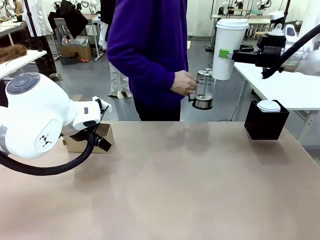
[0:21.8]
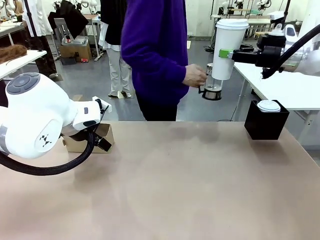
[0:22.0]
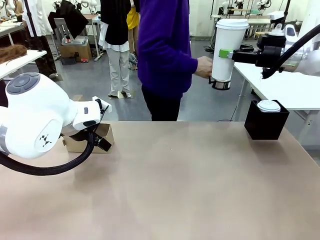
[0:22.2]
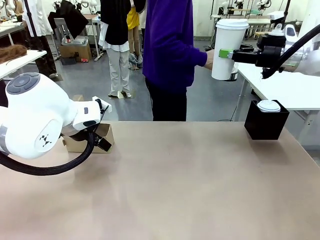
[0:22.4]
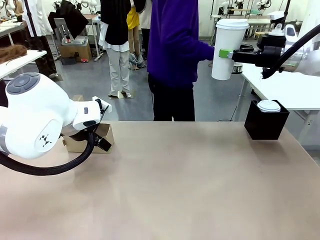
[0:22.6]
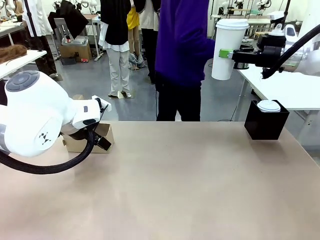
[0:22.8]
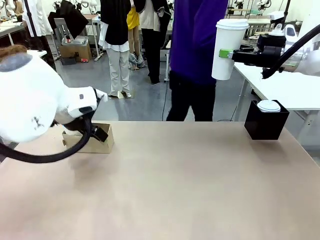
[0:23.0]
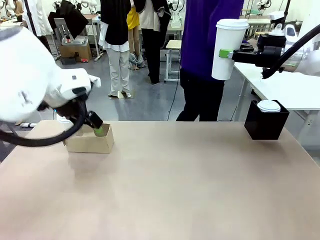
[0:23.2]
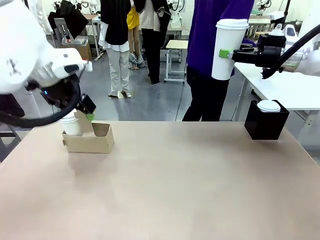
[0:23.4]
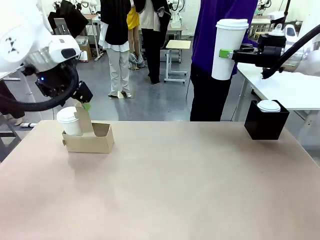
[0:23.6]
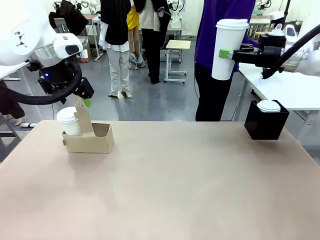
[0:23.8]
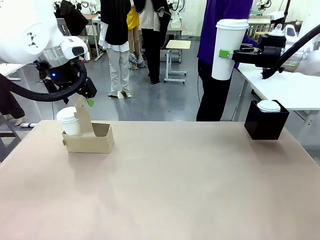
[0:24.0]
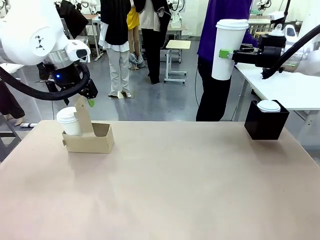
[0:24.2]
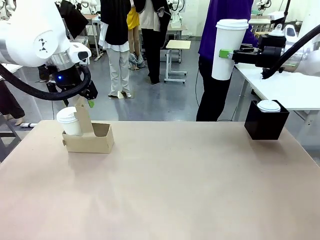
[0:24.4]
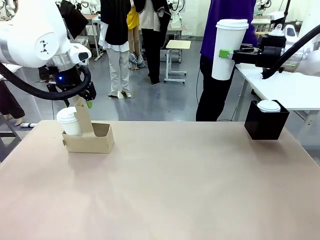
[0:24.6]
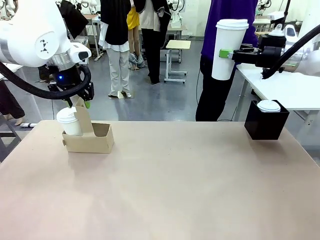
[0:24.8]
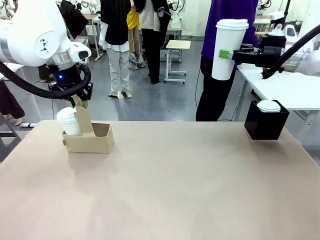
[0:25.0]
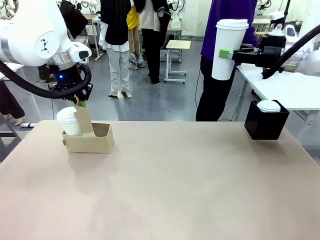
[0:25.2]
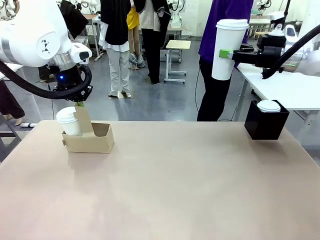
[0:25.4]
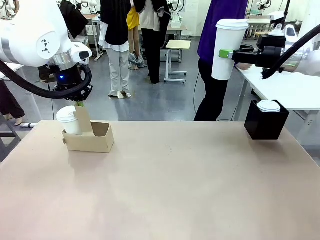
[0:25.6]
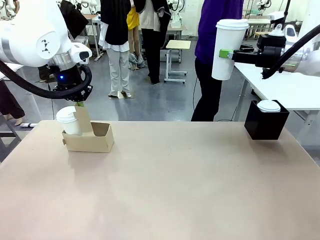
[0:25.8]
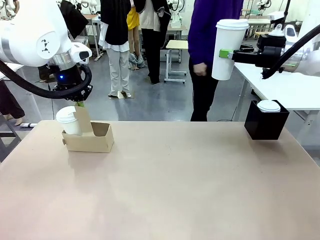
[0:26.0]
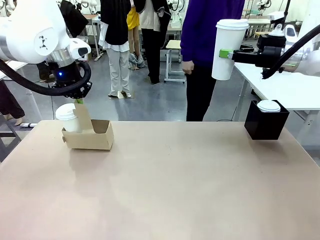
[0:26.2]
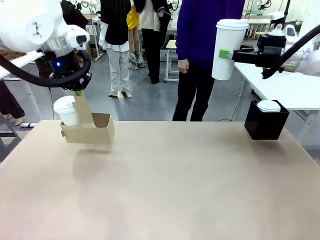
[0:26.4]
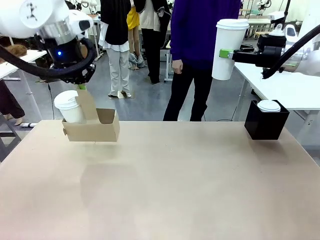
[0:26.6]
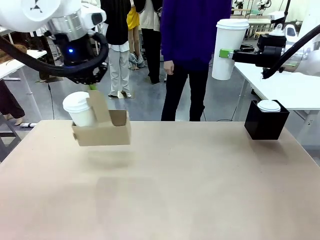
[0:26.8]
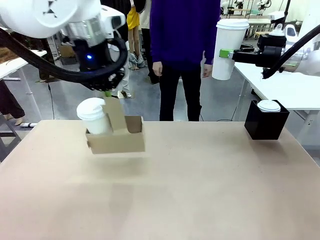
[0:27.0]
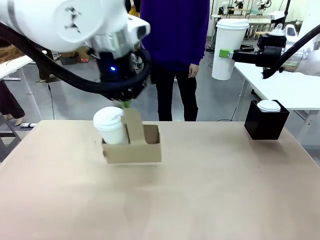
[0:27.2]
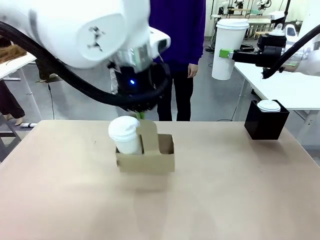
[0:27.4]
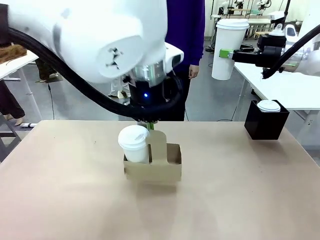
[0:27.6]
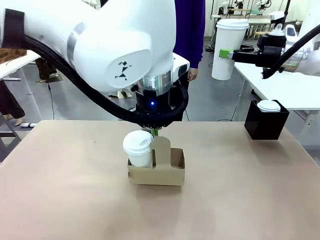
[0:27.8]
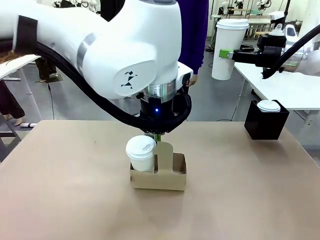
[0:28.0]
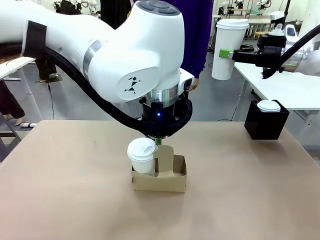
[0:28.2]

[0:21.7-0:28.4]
Task: Pour a drink into a cup and package it in a carrier.
Robot: Position the Cup Carrier in the center of the table.
Person: Pick up the Filter Brewing and place on the middle of Human table, and return to the Robot table.

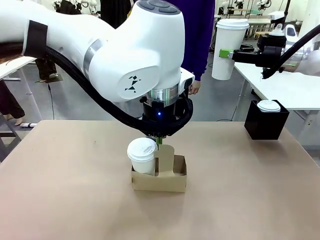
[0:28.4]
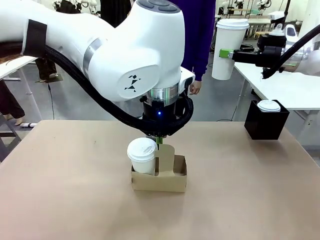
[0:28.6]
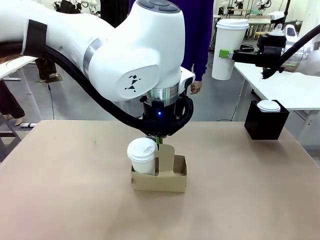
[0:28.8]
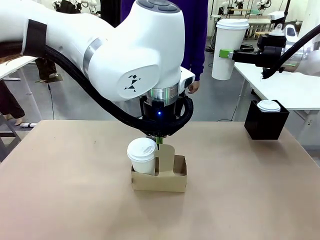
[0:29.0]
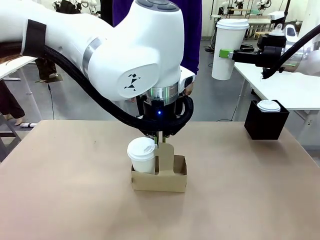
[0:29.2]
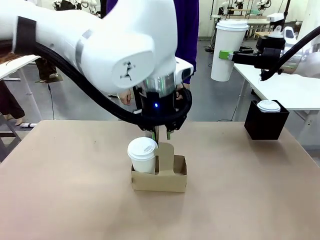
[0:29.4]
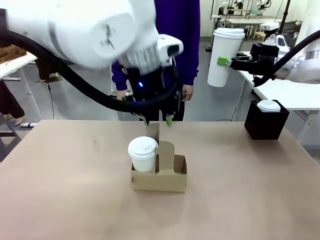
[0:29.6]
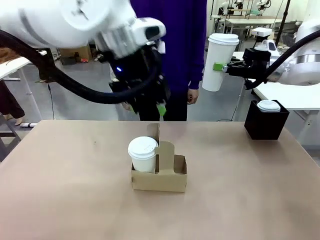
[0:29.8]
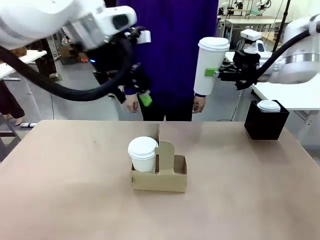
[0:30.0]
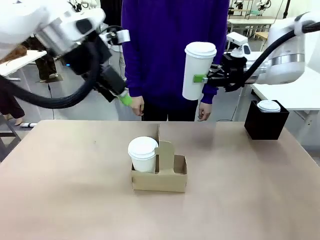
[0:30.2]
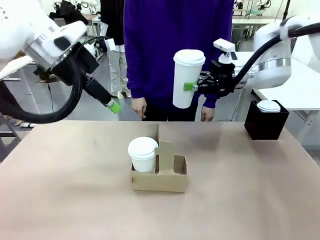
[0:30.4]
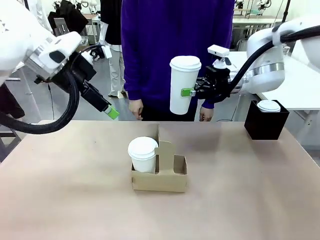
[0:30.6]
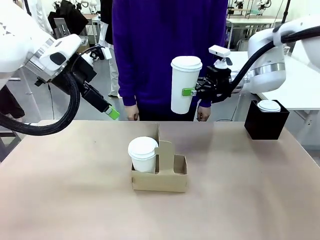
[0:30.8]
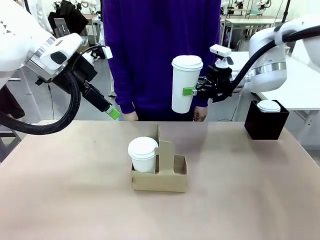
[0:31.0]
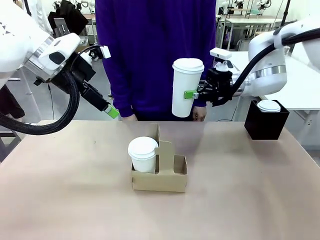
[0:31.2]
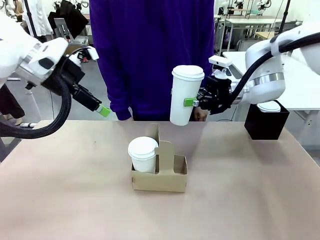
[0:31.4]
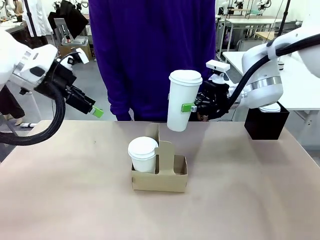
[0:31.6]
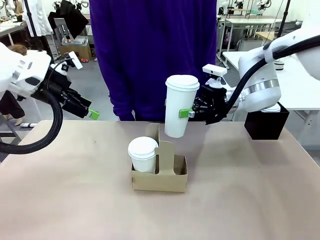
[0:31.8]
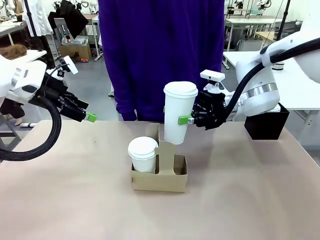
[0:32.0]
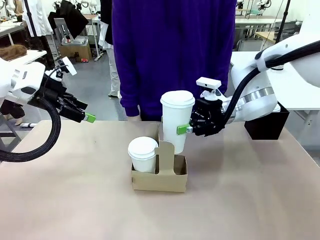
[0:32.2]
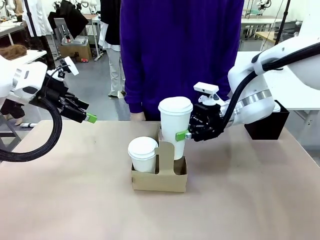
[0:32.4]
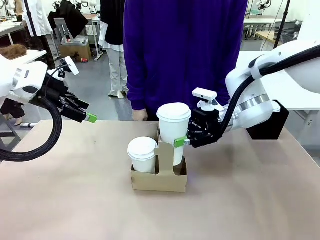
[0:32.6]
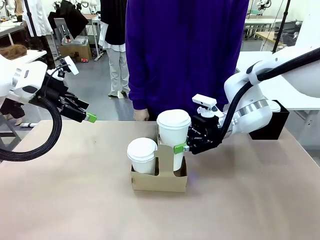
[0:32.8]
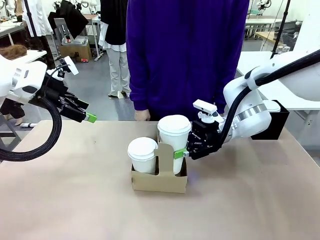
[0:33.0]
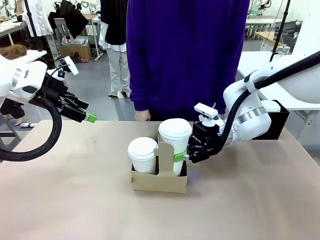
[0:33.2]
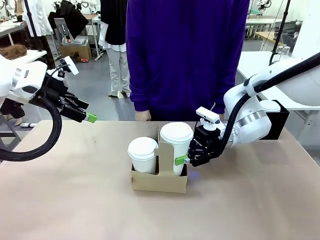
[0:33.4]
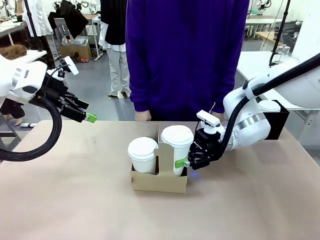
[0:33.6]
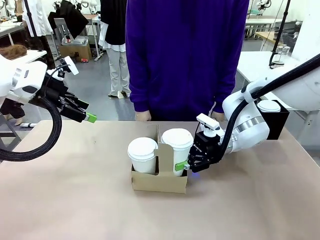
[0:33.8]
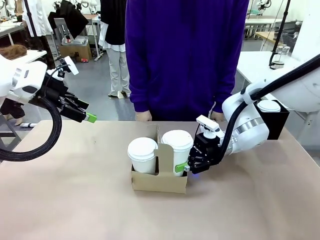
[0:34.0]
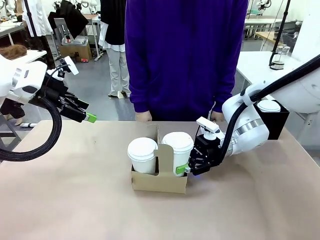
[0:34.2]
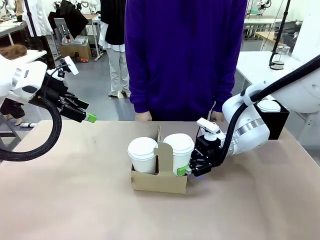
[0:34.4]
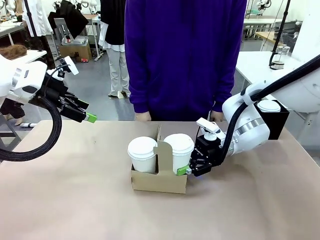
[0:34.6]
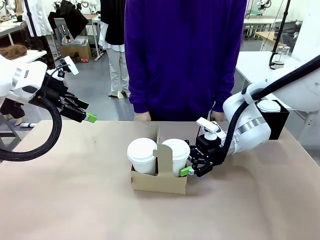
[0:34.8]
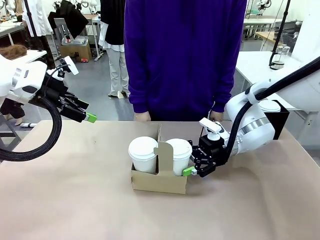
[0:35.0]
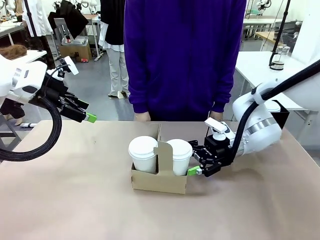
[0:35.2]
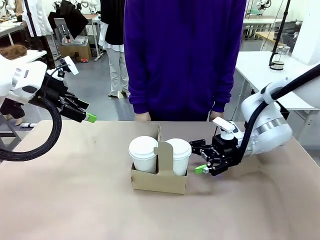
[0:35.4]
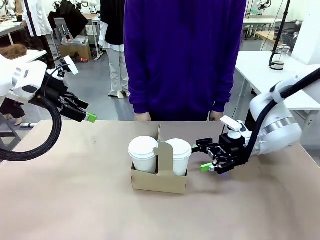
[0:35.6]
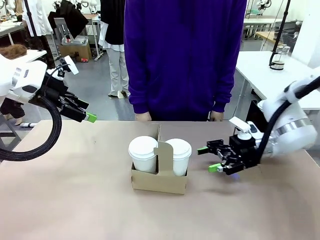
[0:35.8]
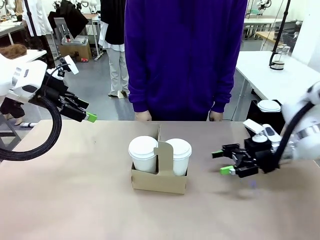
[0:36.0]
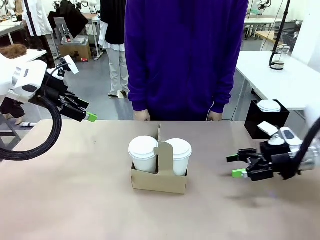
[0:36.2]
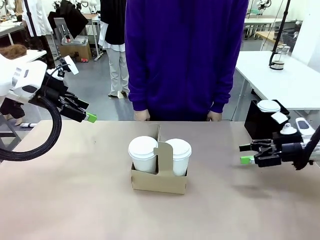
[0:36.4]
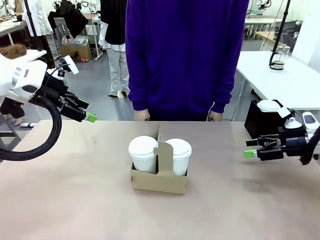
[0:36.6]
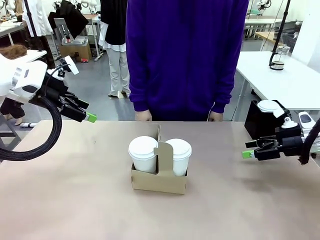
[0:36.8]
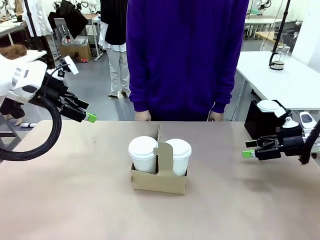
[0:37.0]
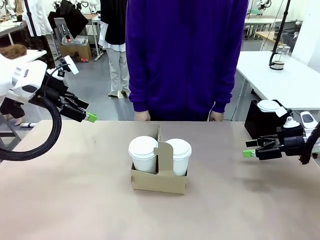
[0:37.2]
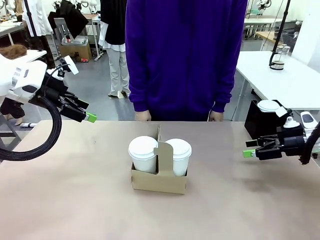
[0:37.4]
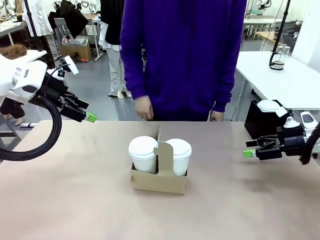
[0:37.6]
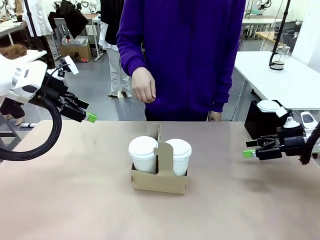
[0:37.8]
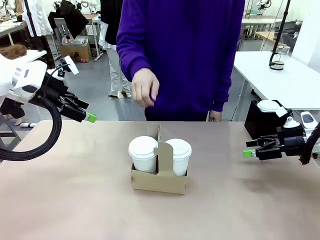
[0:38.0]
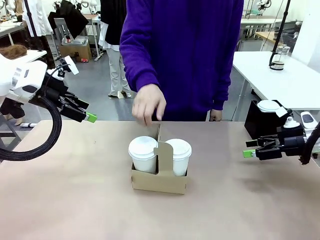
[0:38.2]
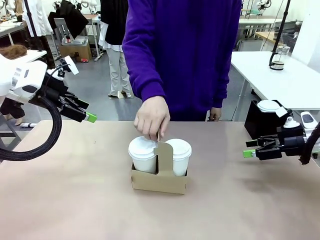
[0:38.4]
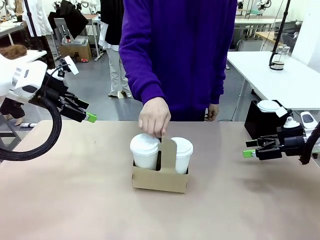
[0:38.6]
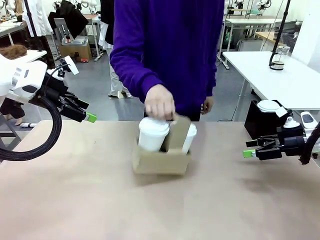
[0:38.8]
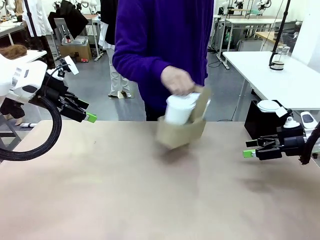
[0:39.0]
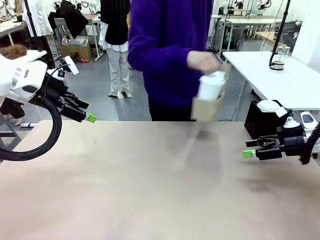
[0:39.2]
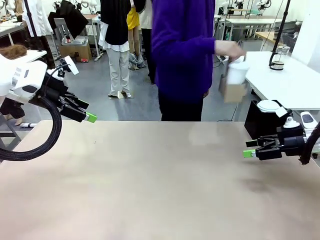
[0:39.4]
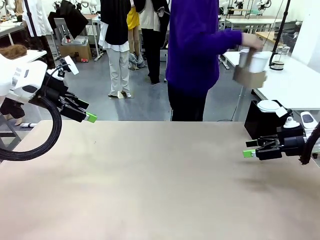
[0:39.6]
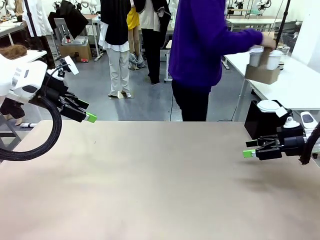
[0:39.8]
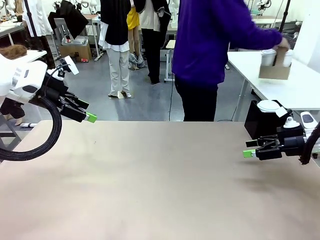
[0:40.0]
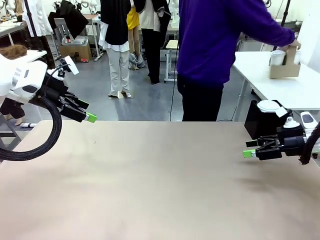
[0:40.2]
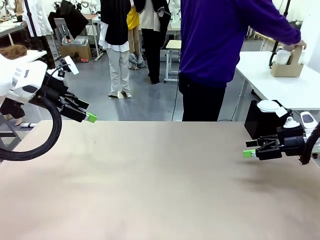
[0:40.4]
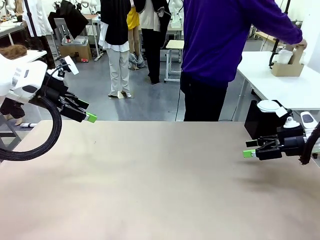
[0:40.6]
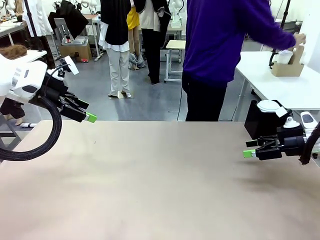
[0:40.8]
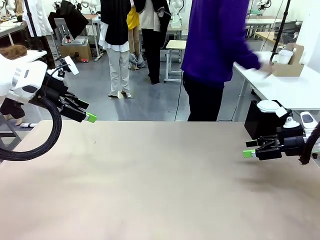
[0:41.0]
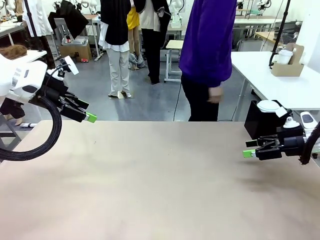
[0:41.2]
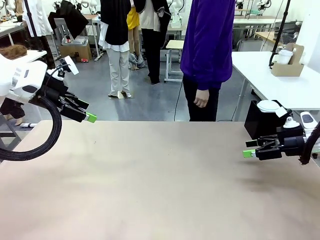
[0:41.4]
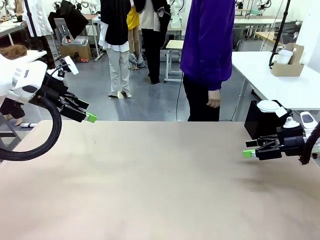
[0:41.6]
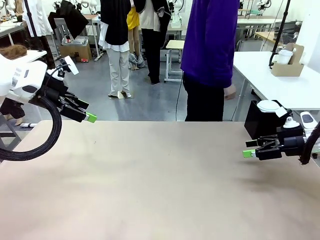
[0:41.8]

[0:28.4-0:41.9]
Robot: Insert the held 600 ml Paper Cup into the Cup Carrier.
Person: Place the Cup Carrier to the middle of Human table.
